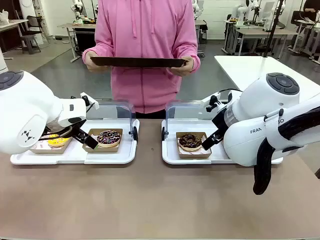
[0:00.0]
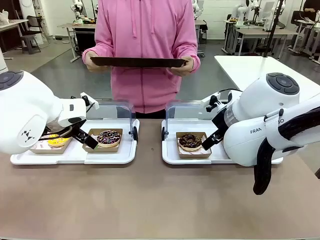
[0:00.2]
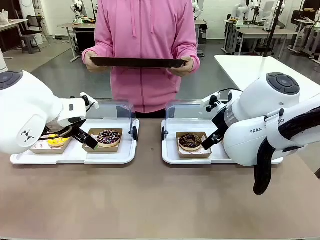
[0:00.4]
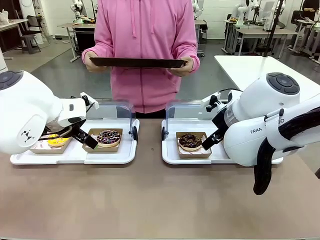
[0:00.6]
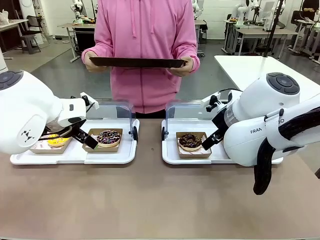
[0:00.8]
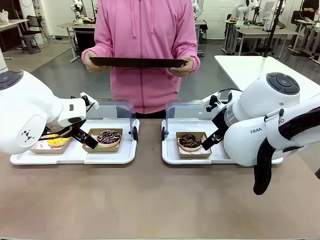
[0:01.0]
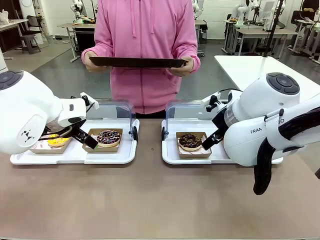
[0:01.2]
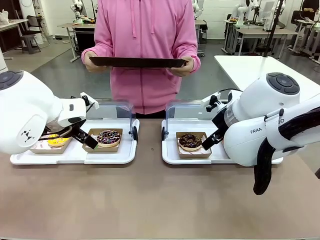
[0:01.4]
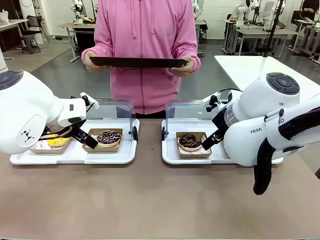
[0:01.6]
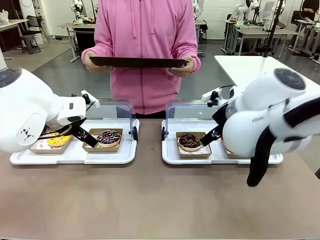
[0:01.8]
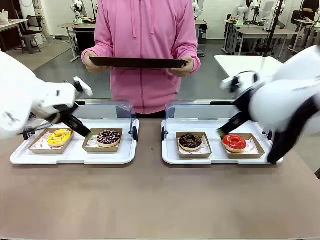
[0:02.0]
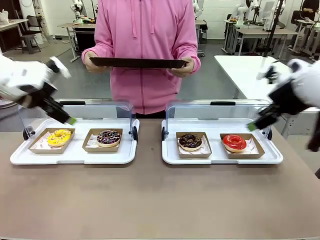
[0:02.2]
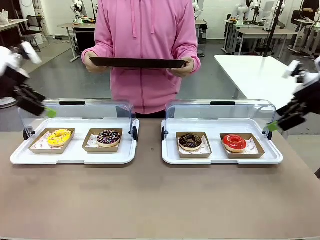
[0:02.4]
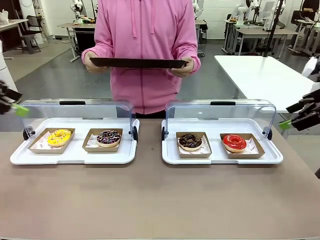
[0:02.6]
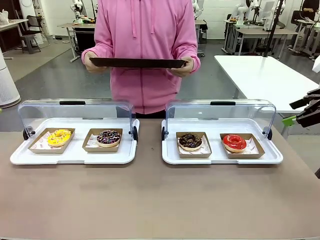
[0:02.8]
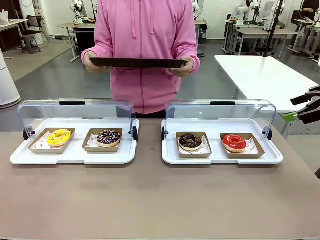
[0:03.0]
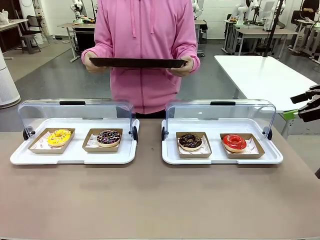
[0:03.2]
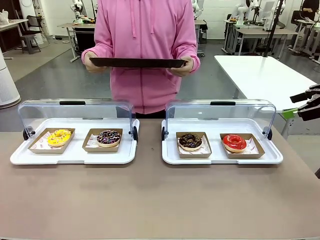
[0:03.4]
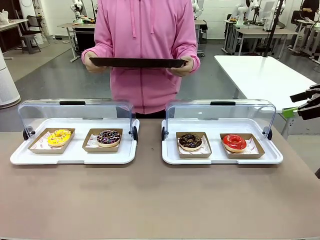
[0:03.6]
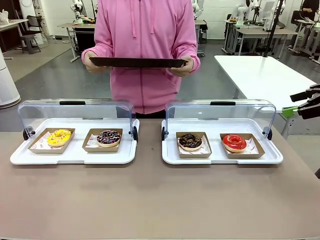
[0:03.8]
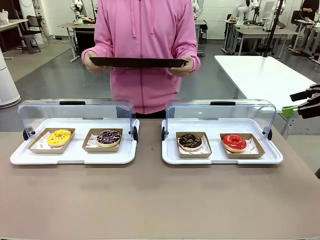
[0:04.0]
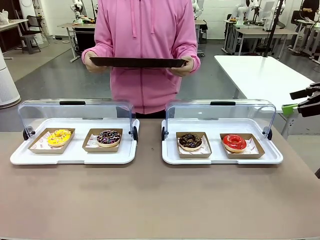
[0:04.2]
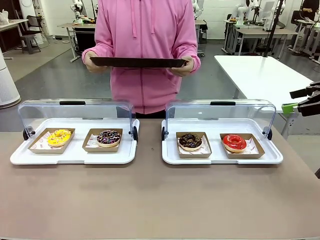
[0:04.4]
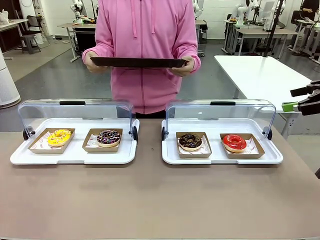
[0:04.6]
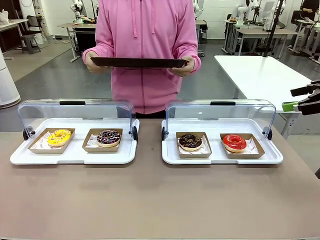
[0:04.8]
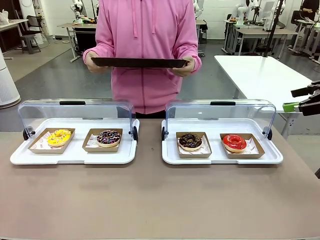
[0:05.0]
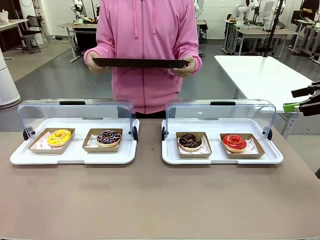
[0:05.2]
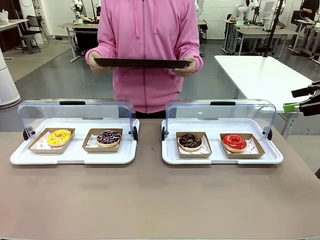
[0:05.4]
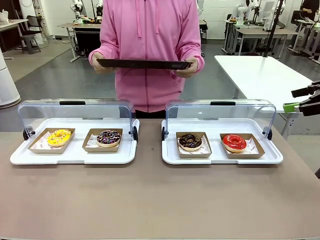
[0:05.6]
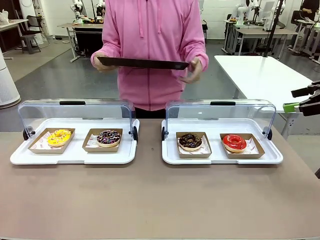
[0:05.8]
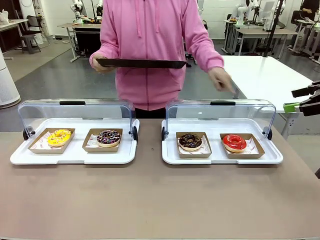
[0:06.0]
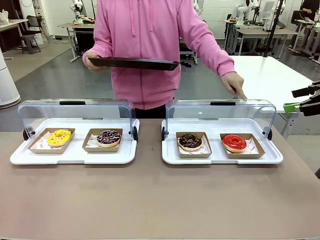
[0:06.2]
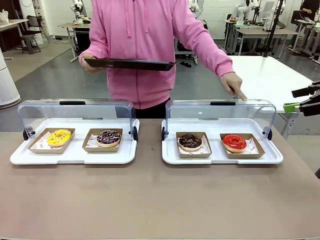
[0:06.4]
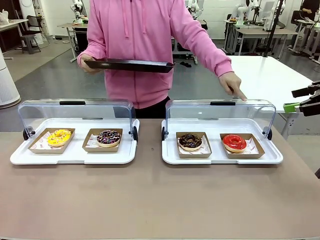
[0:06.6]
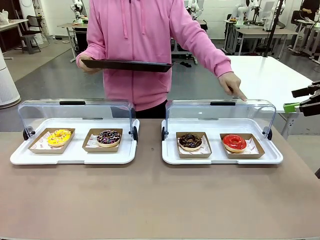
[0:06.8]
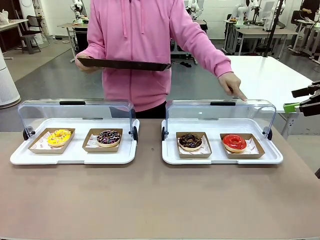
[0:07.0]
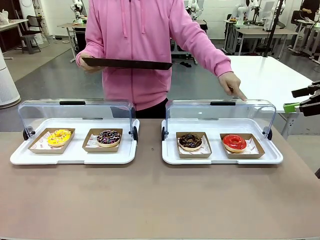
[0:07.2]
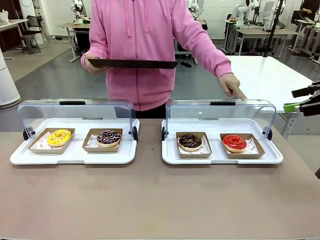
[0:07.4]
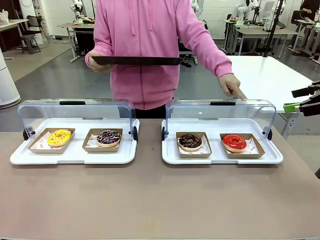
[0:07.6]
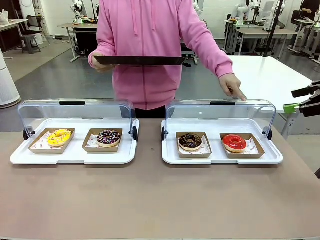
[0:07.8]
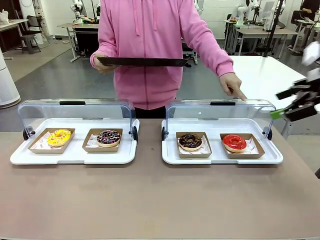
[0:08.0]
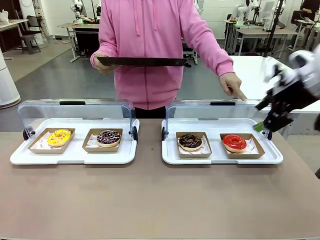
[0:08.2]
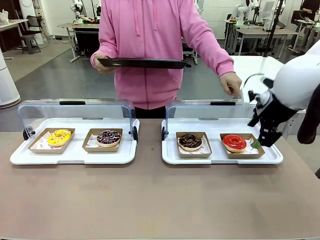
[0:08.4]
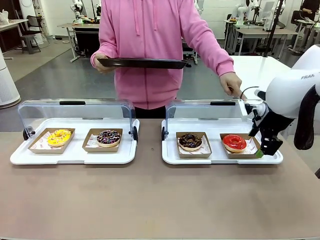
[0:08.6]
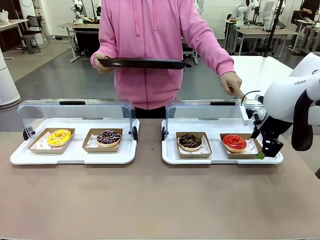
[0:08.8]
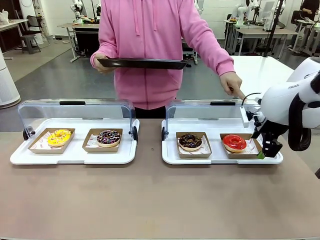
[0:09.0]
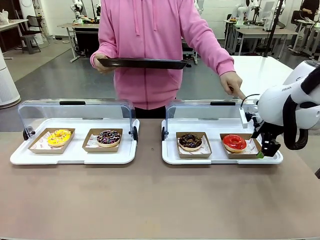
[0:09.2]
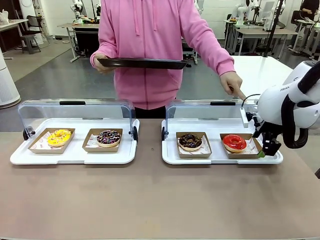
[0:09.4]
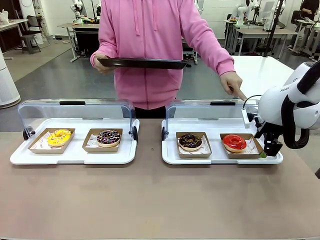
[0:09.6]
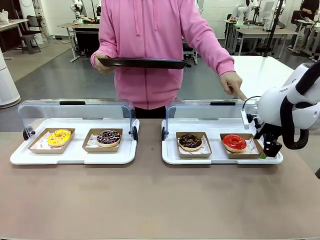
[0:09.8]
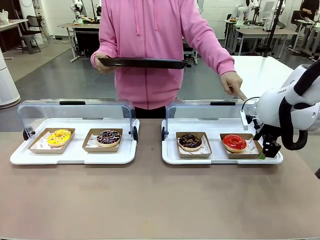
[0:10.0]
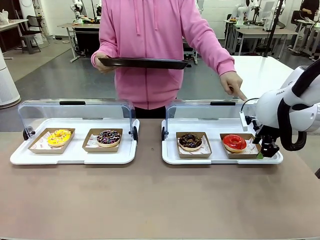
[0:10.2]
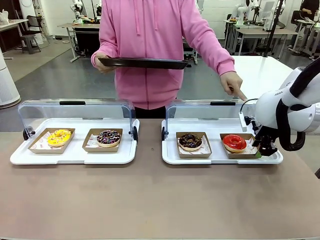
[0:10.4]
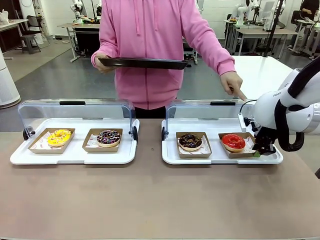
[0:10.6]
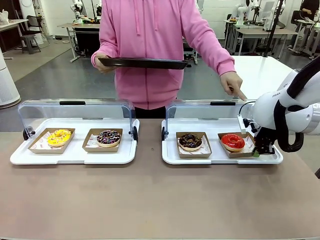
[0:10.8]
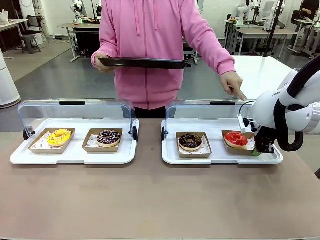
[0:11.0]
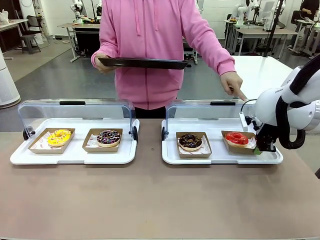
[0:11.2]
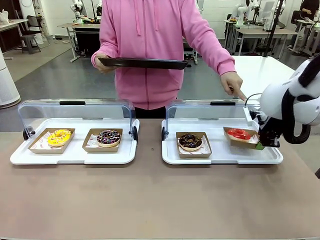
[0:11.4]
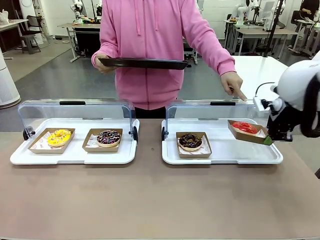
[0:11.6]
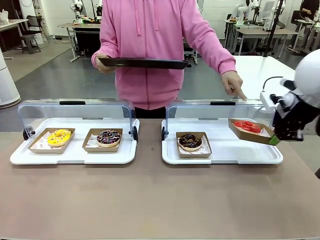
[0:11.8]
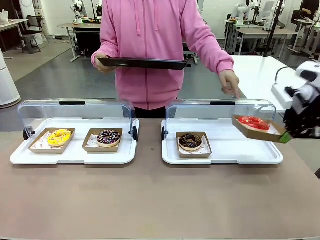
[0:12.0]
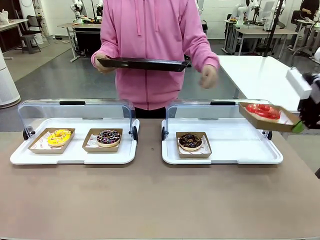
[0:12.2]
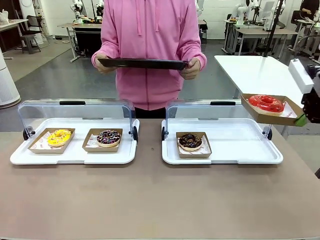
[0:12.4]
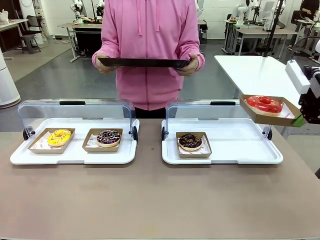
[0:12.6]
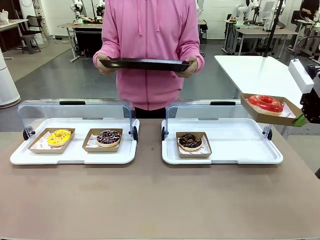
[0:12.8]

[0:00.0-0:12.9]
Task: Provide the desired donut to the person.
Robot: Pick up and lift the Paper togo box containing the Donut pointed at by the person.
Person: Point to one donut. Lift the tray onto the Roll-Top Bakery Case.

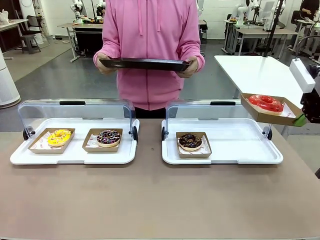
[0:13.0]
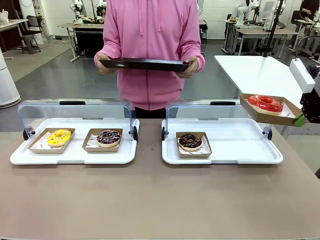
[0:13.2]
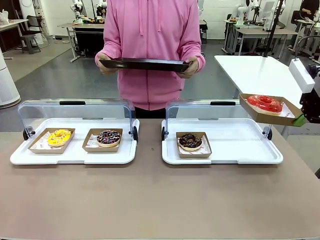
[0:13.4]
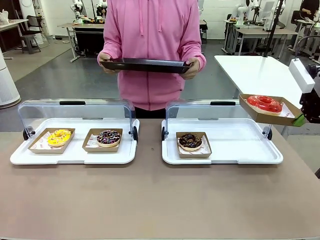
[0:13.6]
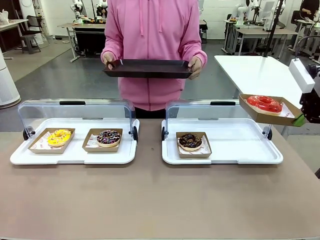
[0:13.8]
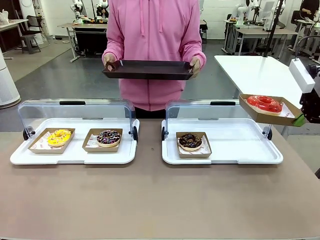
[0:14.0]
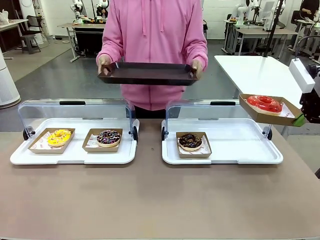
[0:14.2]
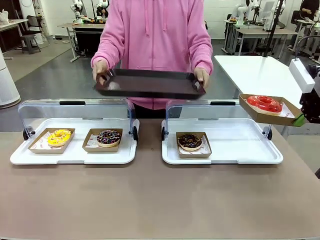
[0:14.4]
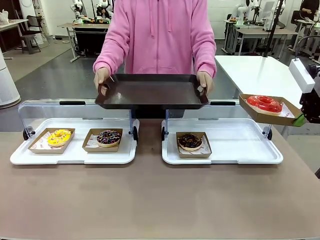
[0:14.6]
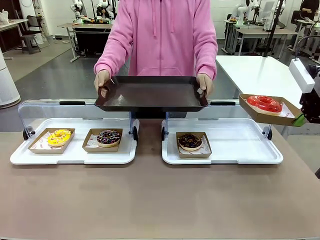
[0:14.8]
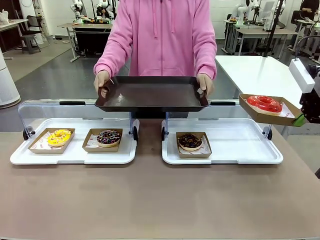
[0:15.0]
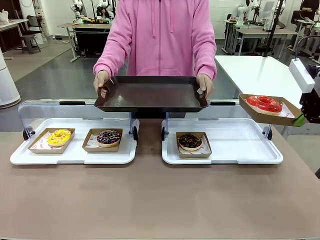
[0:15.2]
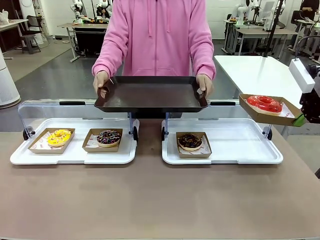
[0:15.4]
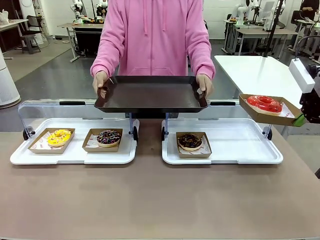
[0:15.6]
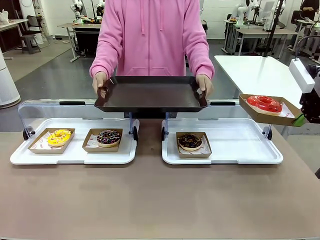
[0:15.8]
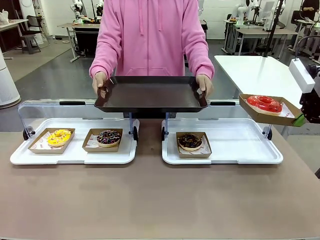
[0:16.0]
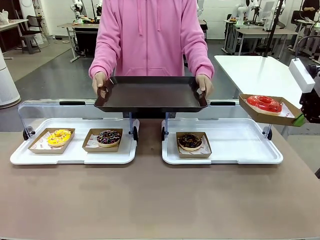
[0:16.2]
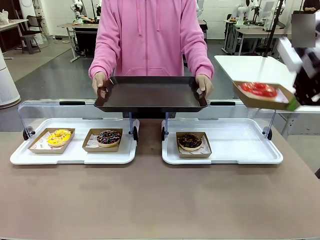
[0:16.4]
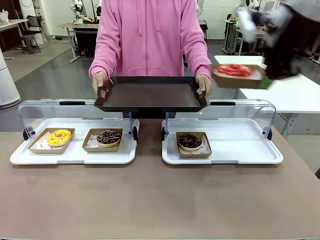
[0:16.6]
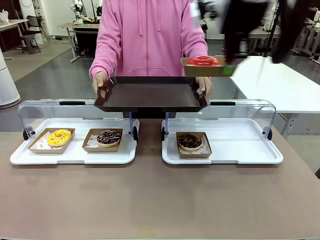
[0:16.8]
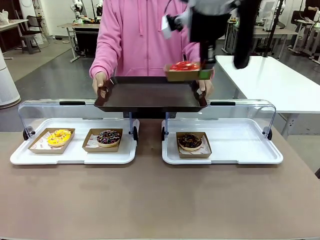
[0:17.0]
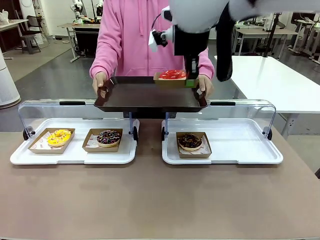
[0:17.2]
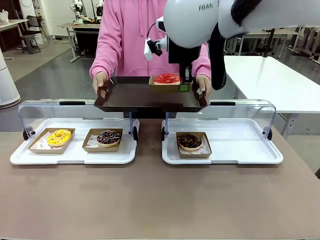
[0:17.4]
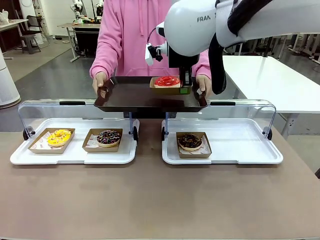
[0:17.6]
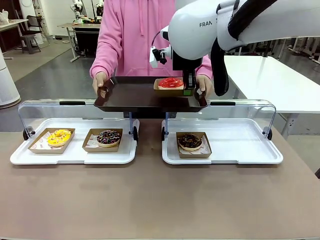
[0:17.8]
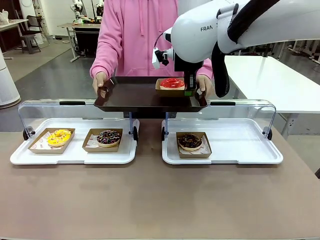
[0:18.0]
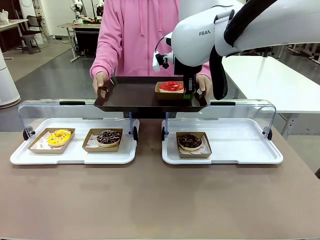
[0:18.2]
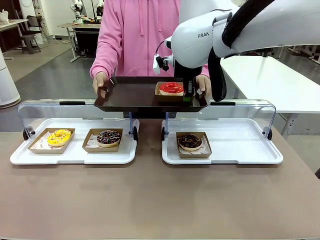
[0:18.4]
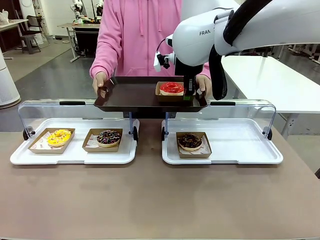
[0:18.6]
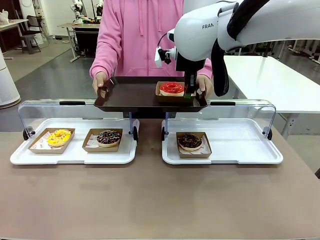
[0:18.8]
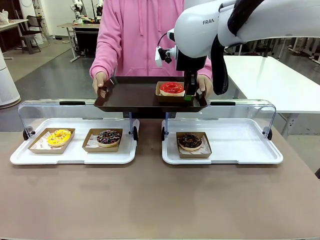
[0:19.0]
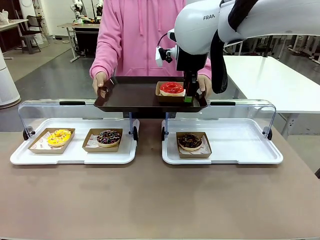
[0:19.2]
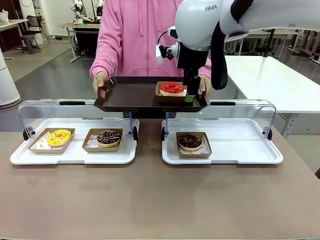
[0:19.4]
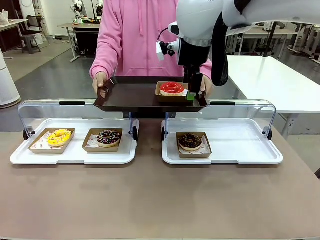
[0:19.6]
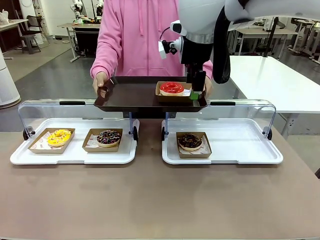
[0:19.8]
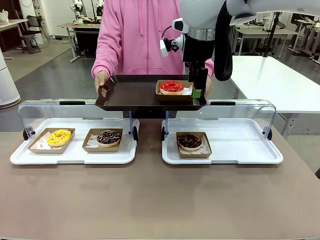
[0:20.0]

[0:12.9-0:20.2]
Robot: Place the picked Paper togo box onto the Handle tray extended by the person.
